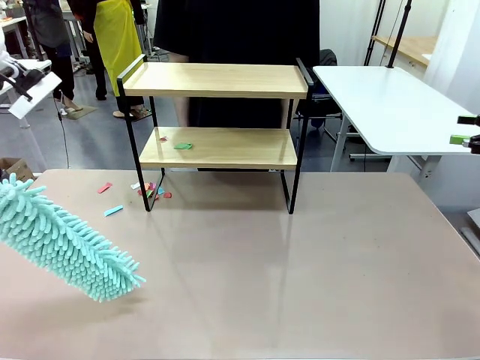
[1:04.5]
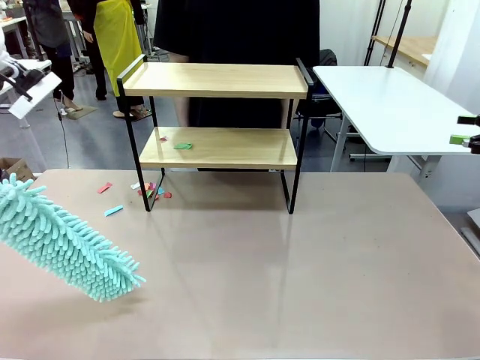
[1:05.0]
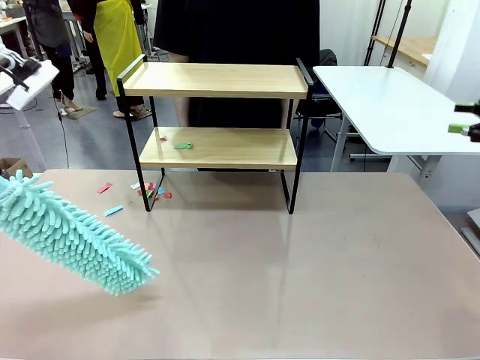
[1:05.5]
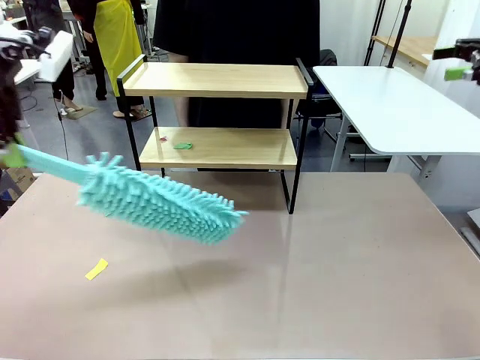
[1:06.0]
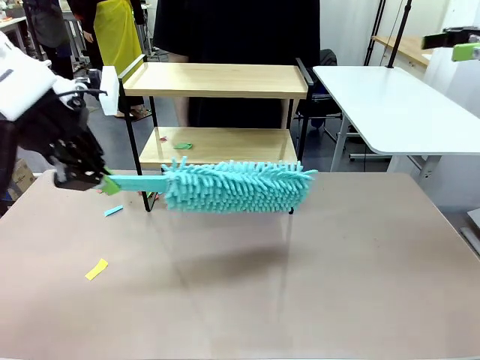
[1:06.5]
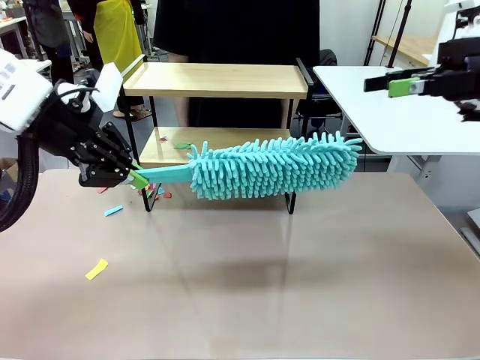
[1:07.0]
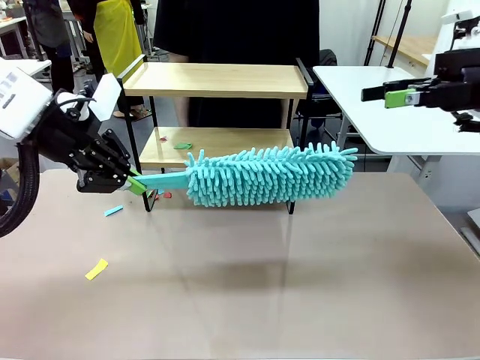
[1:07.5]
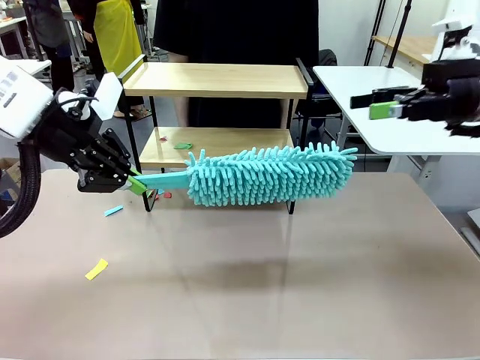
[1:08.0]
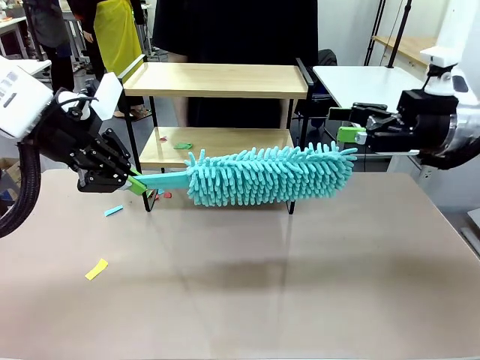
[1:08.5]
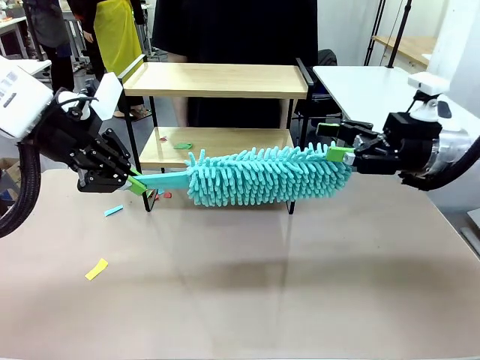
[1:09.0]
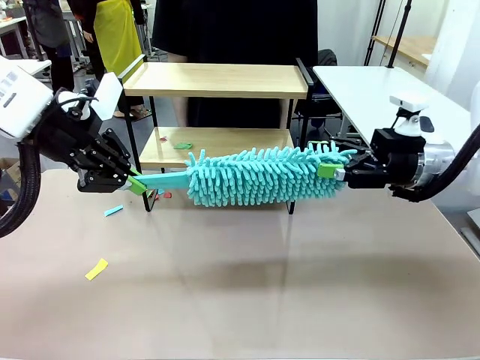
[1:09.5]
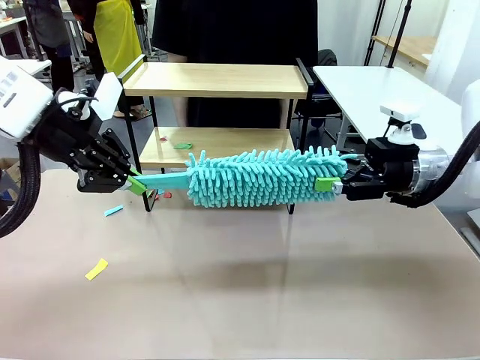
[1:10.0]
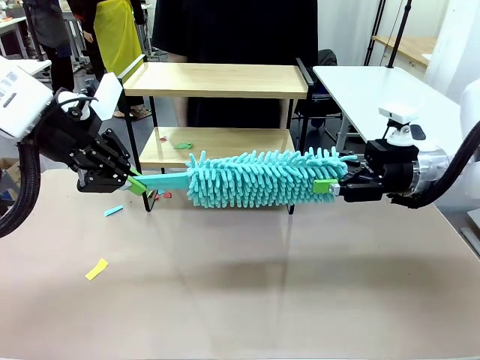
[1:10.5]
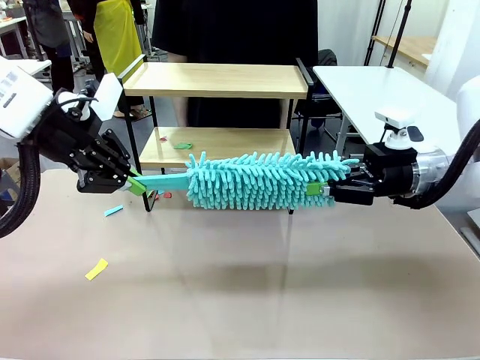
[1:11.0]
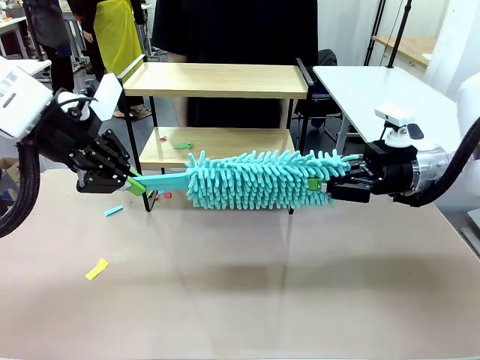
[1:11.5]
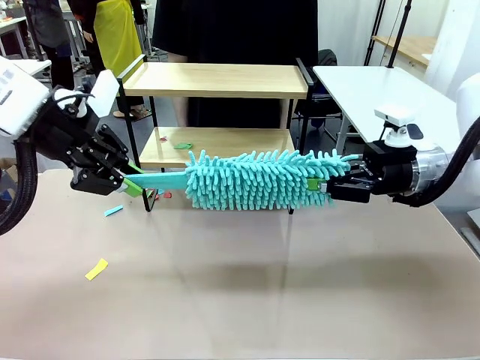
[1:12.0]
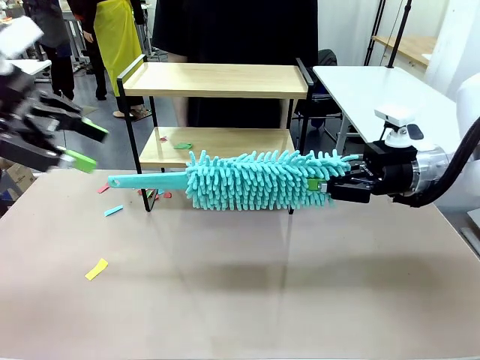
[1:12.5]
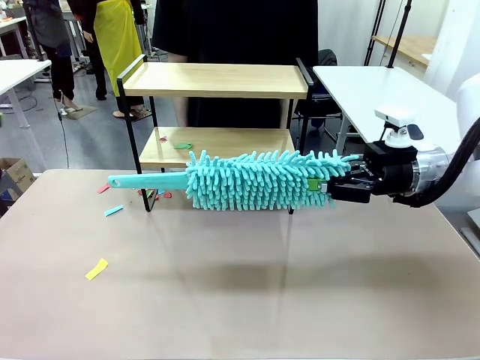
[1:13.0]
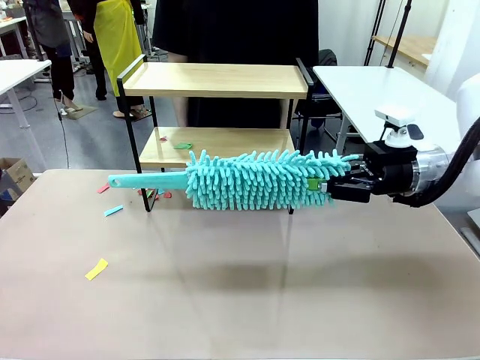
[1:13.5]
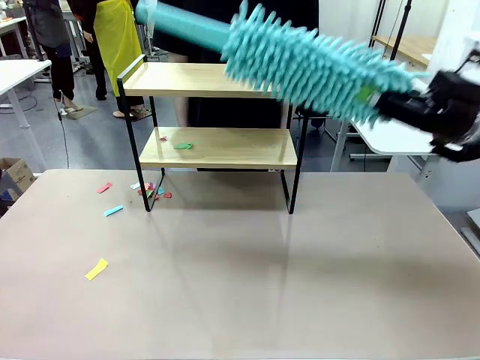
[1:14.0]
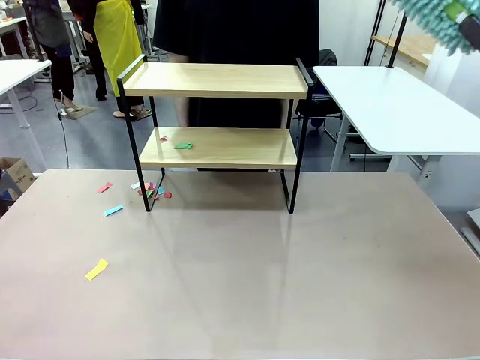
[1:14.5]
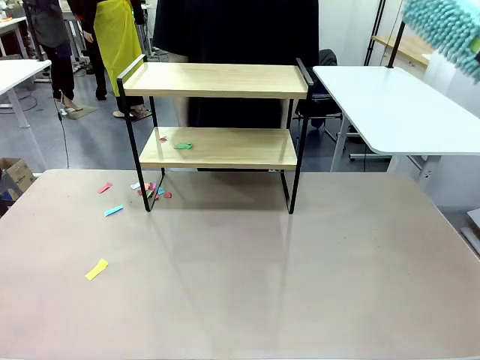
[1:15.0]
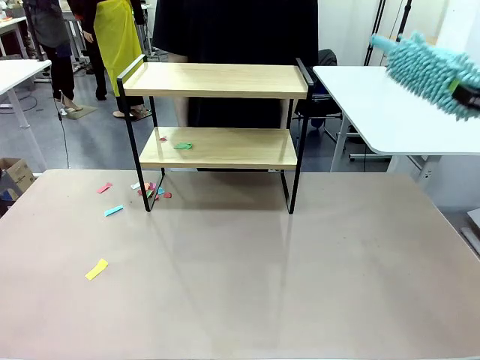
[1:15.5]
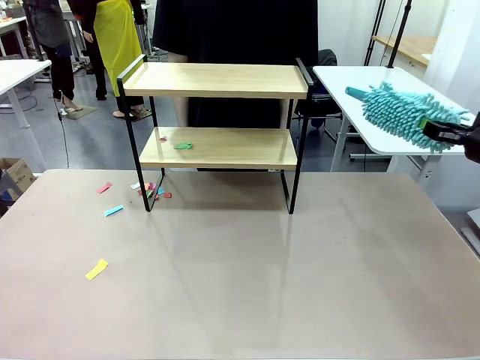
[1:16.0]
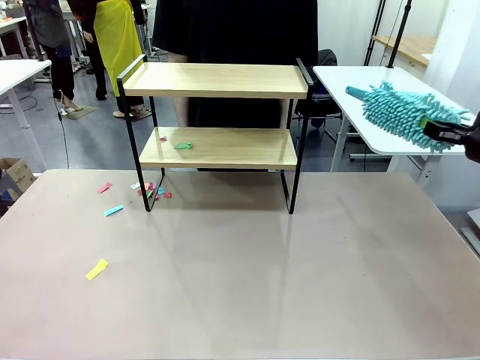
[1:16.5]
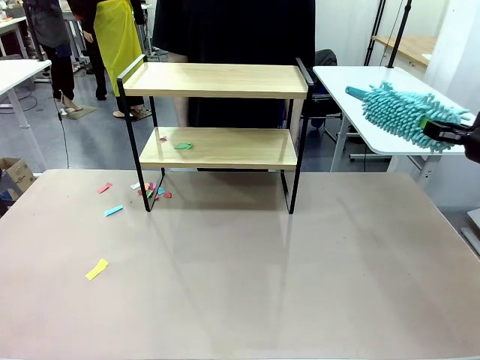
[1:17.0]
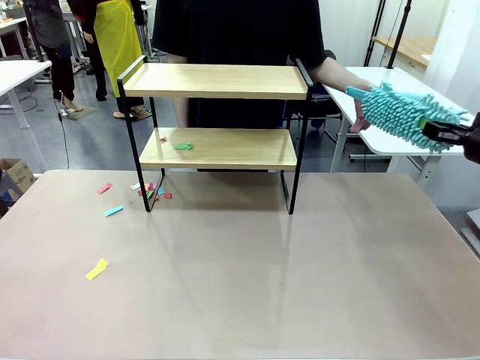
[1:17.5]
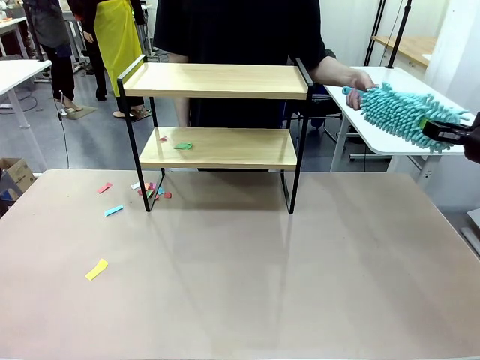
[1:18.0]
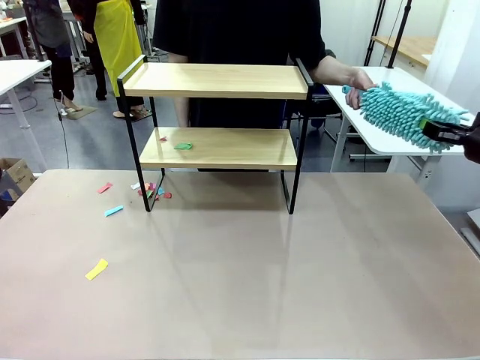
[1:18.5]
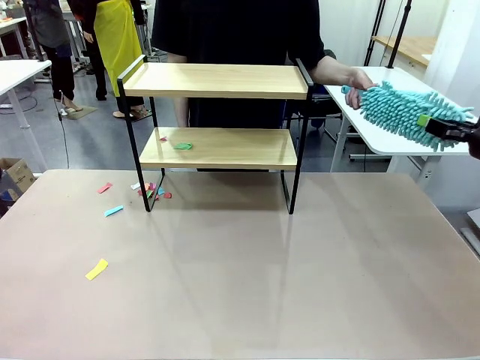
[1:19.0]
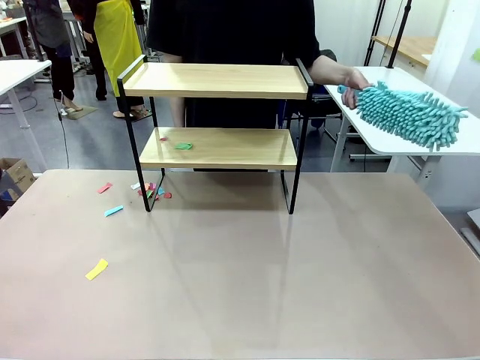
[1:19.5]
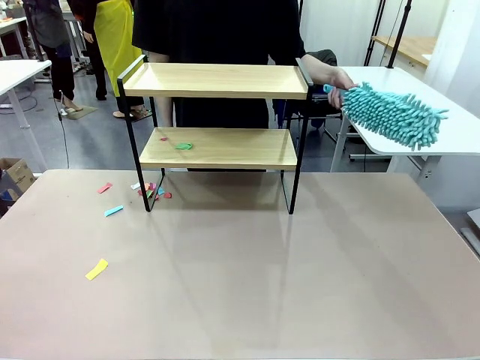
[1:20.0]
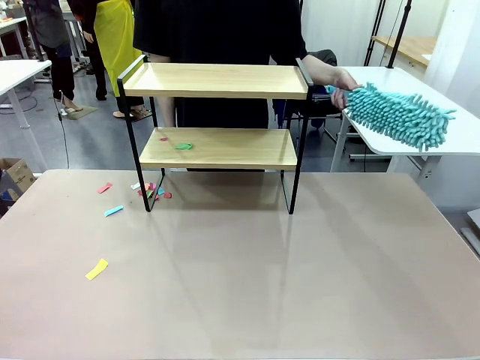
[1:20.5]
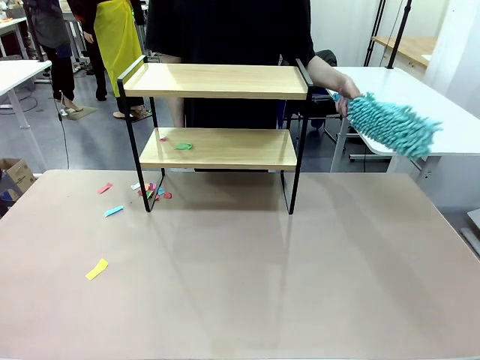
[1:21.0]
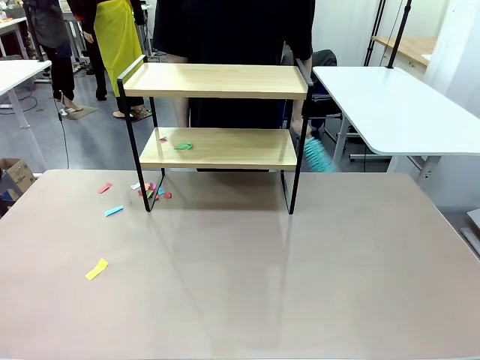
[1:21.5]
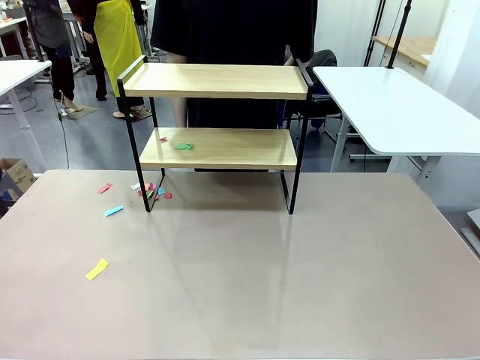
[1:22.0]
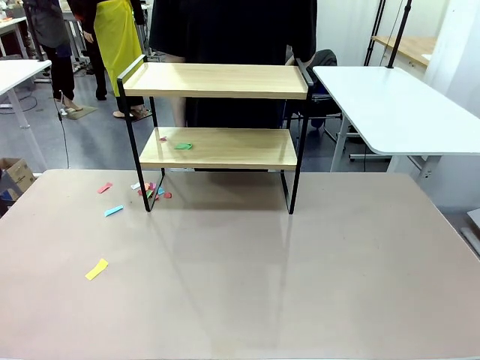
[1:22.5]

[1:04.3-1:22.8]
Task: Clean the shelf.
Robot: Hand the Duster back to the human.
Person: Receive the Duster from the robot.

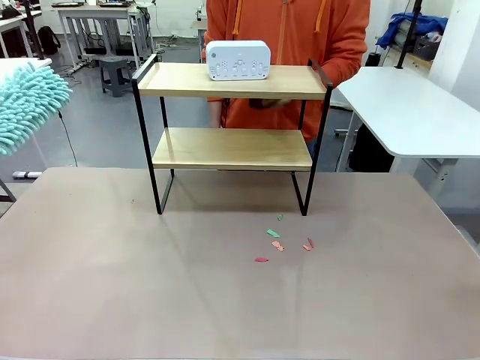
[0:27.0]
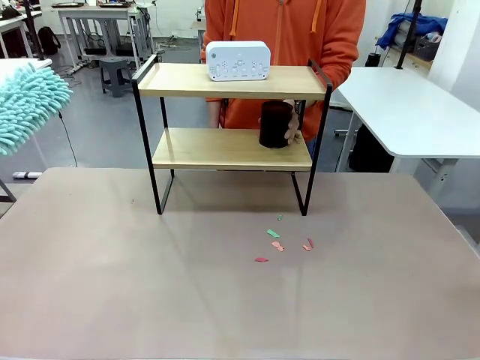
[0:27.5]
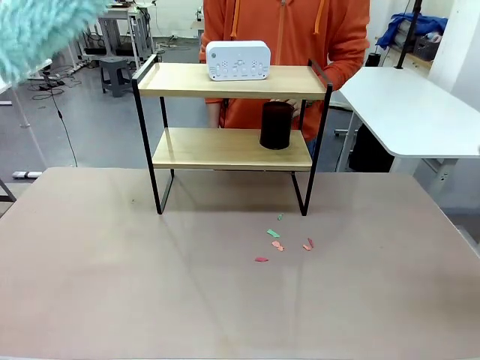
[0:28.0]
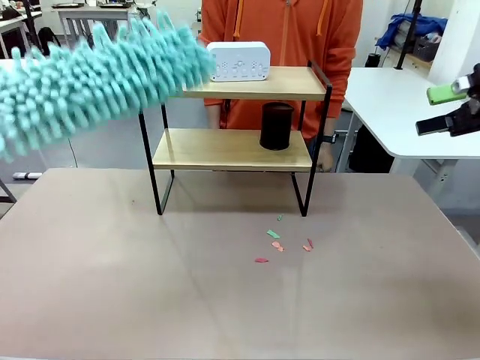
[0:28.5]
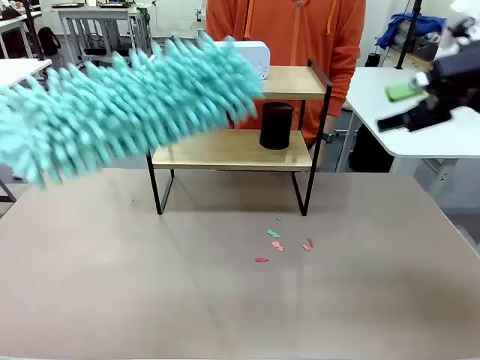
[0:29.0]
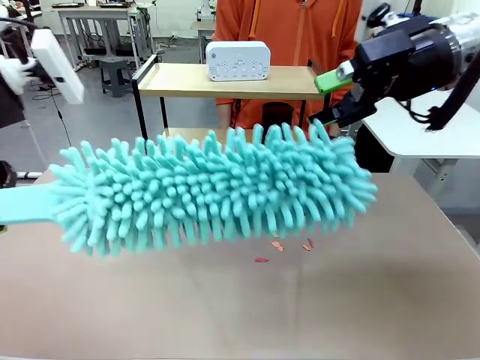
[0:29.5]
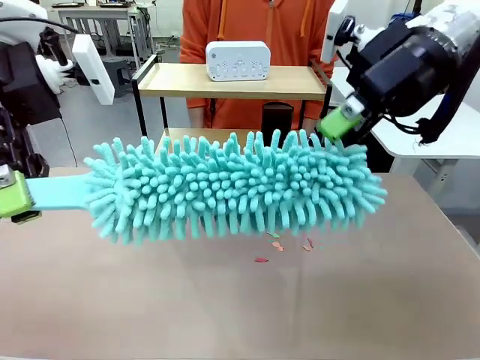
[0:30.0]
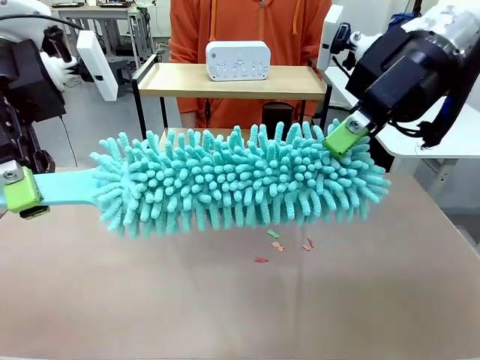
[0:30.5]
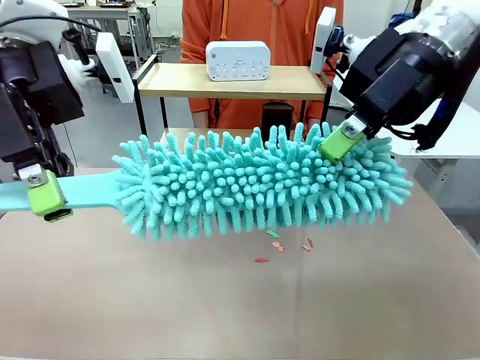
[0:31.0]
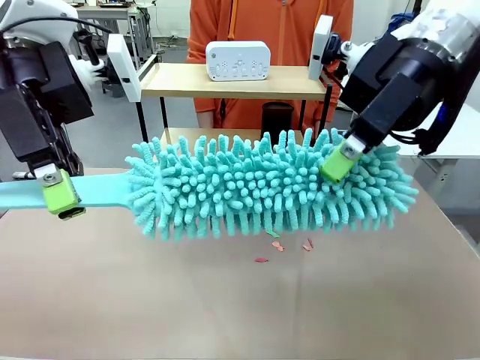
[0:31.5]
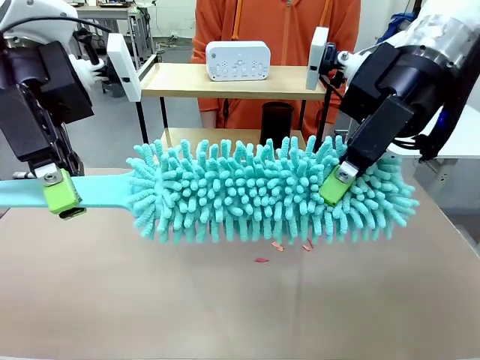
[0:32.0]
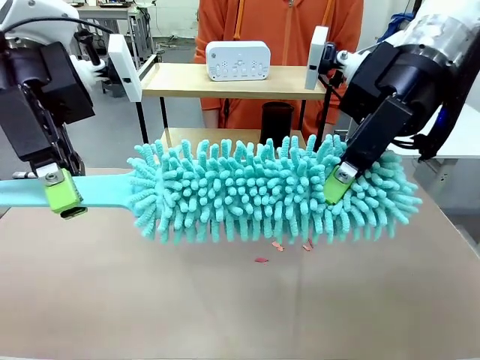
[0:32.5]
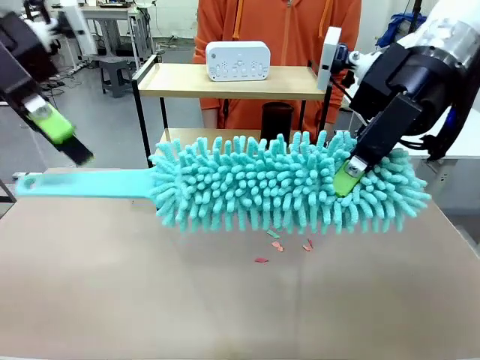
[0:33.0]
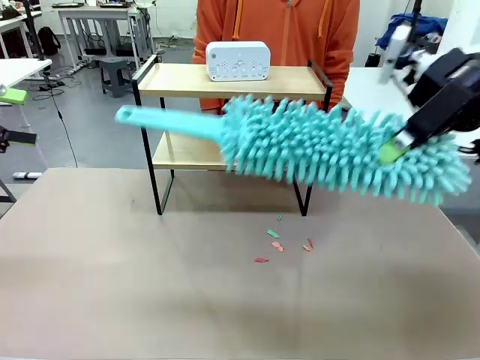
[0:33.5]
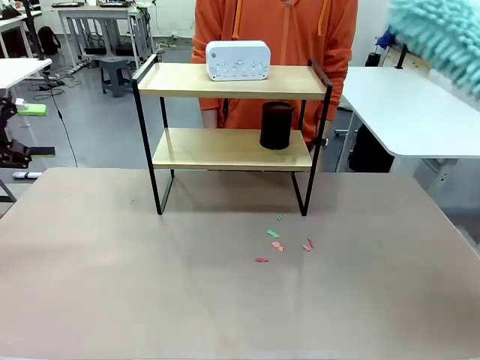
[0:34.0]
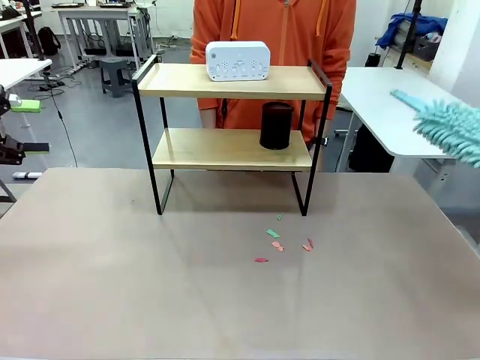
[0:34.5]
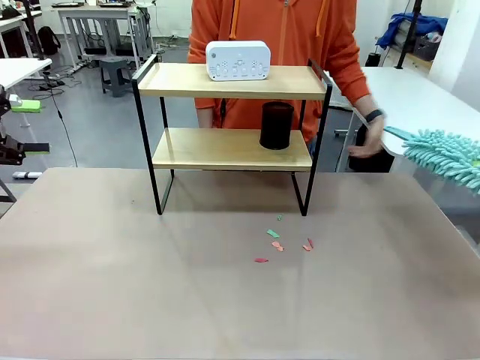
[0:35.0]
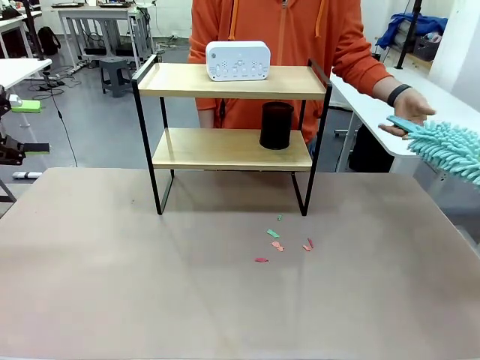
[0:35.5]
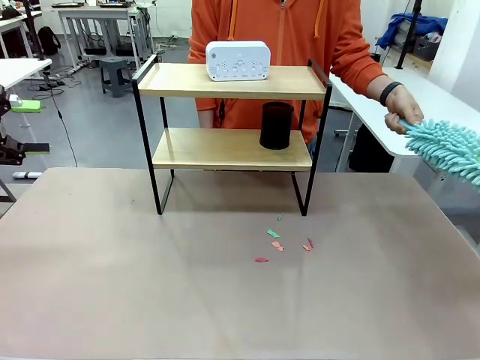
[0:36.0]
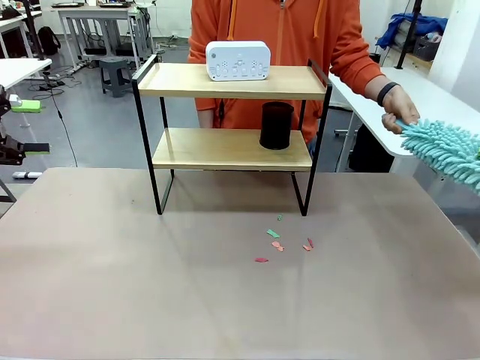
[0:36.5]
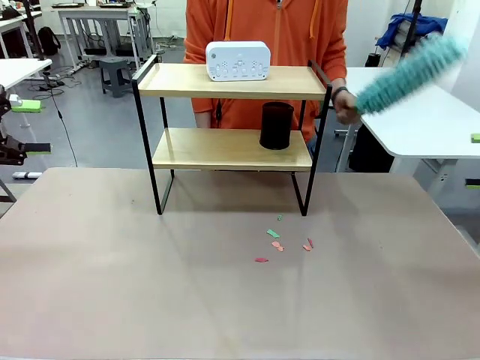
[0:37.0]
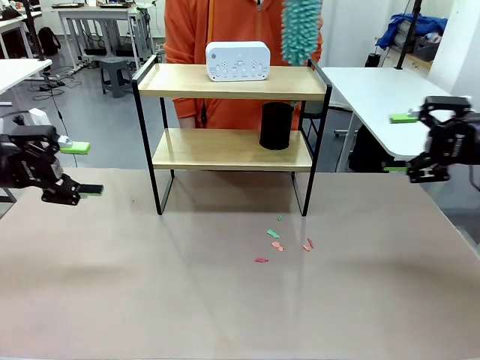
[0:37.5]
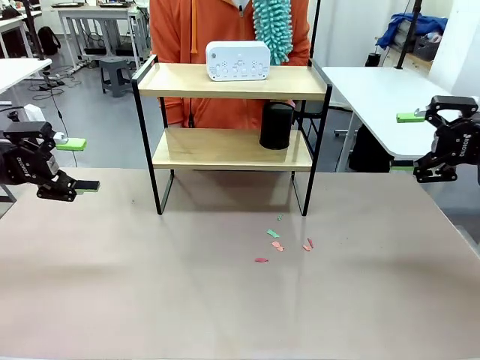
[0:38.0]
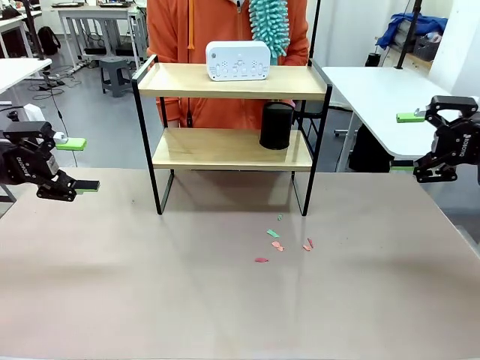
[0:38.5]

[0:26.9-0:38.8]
Task: Clean the shelf.
Robot: Hand the Duster back to the human.
Person: Receive the Duster from the robot.
